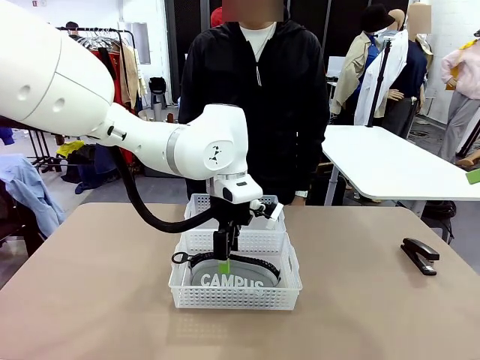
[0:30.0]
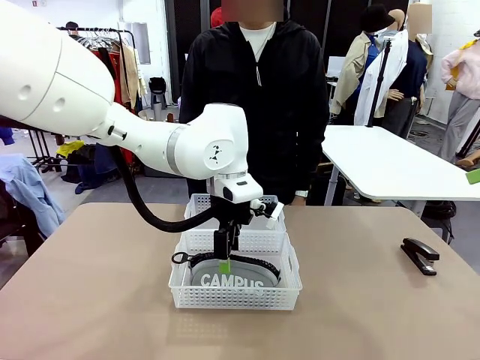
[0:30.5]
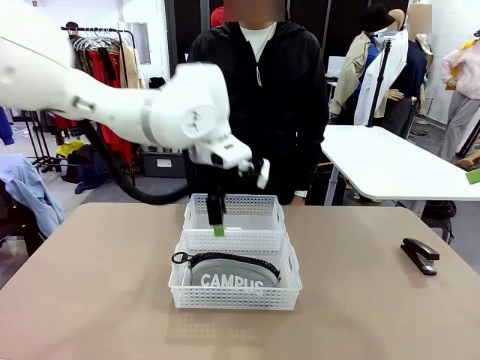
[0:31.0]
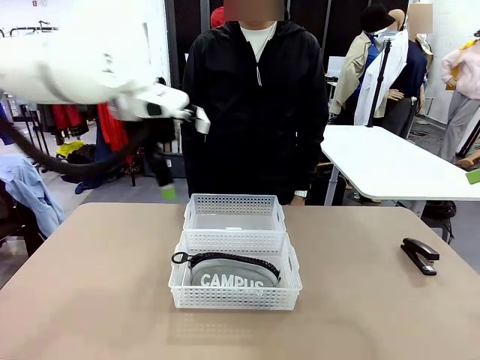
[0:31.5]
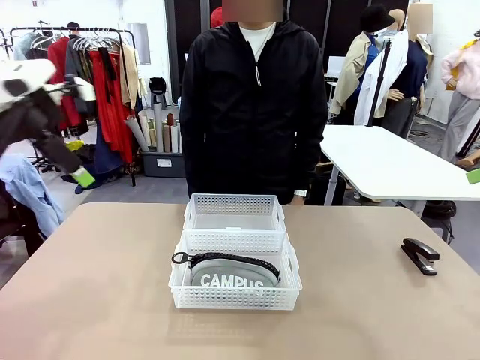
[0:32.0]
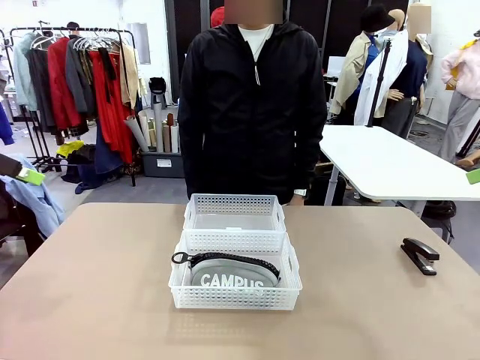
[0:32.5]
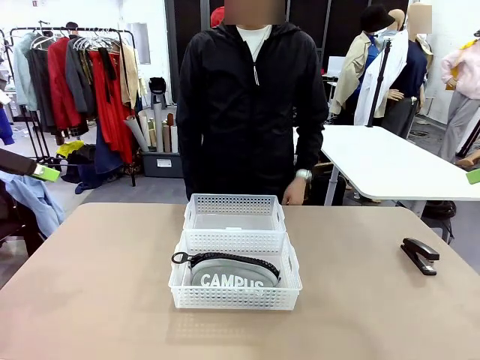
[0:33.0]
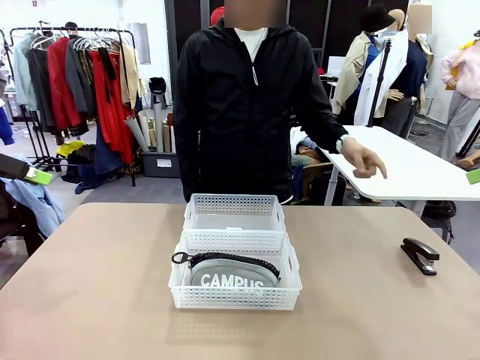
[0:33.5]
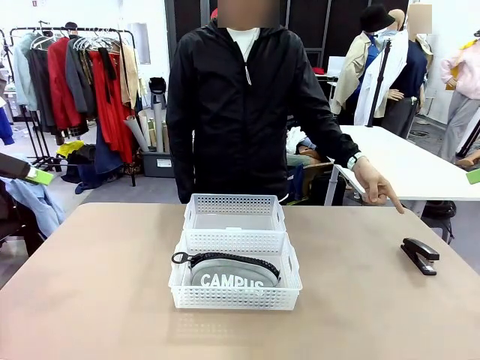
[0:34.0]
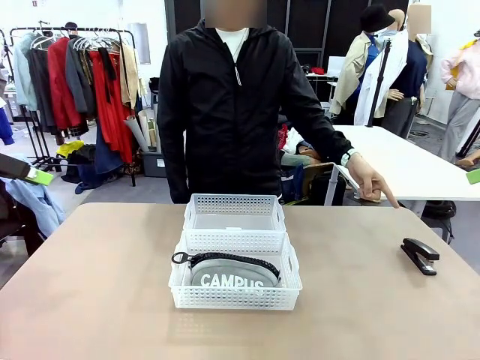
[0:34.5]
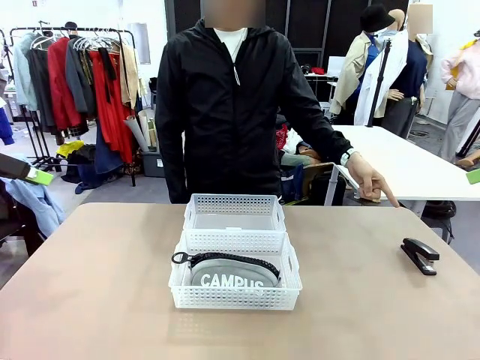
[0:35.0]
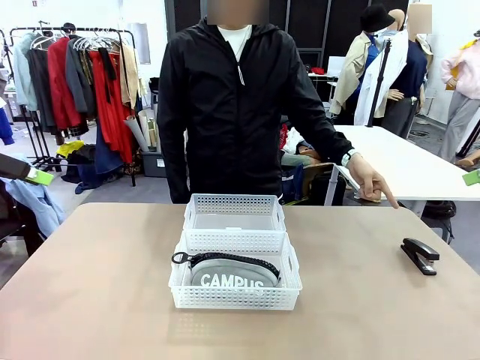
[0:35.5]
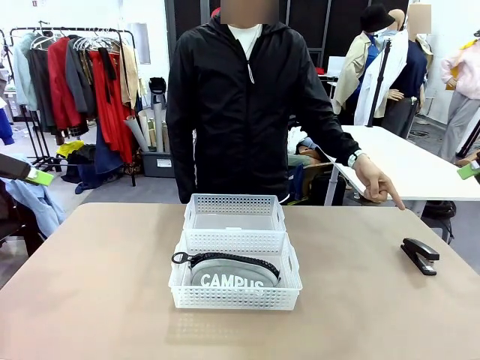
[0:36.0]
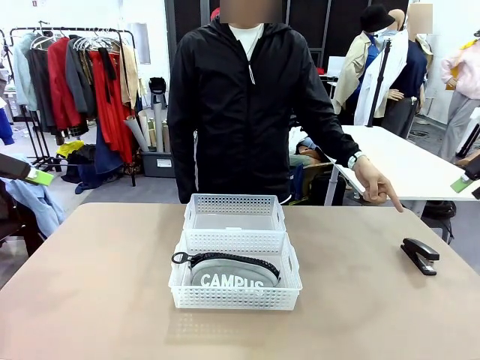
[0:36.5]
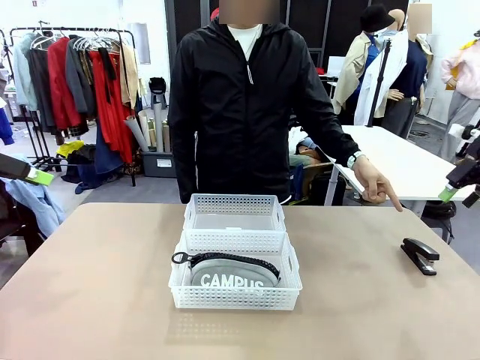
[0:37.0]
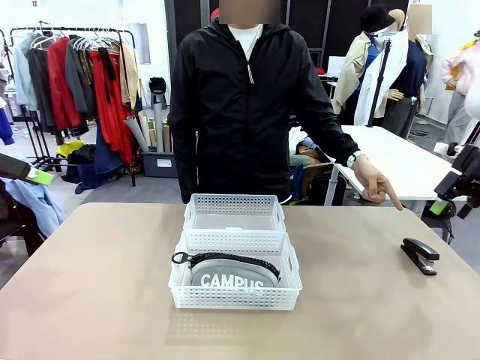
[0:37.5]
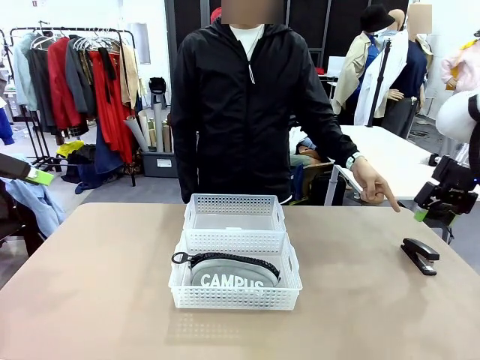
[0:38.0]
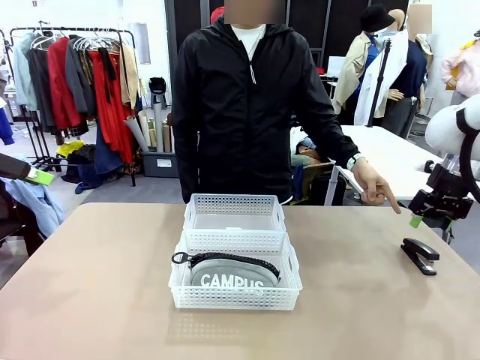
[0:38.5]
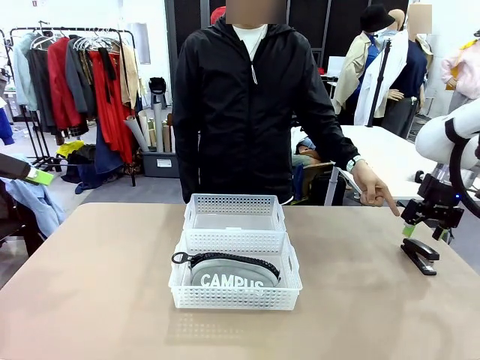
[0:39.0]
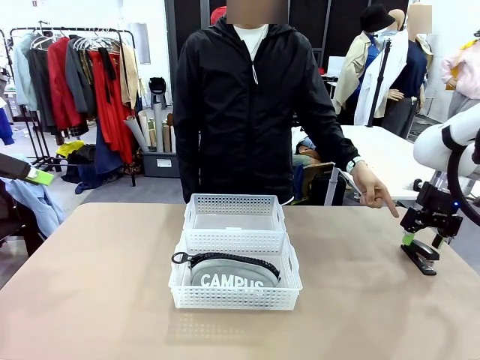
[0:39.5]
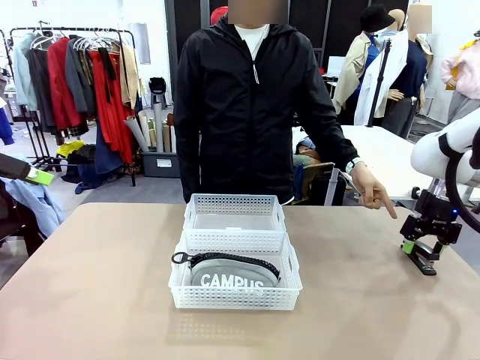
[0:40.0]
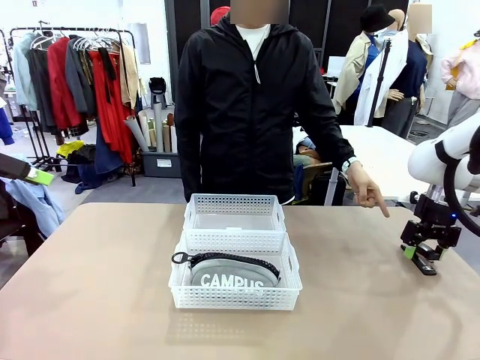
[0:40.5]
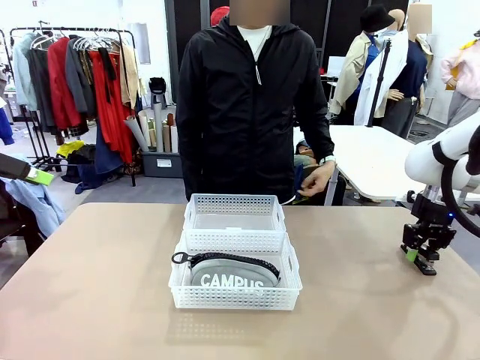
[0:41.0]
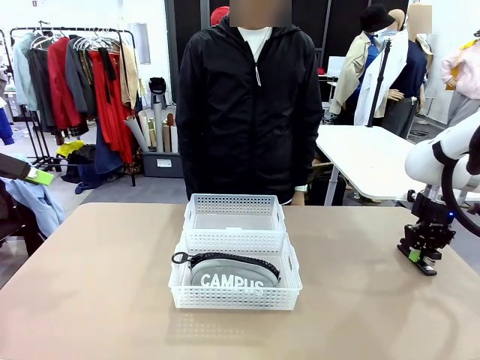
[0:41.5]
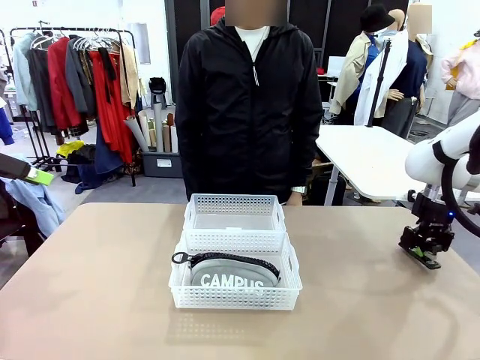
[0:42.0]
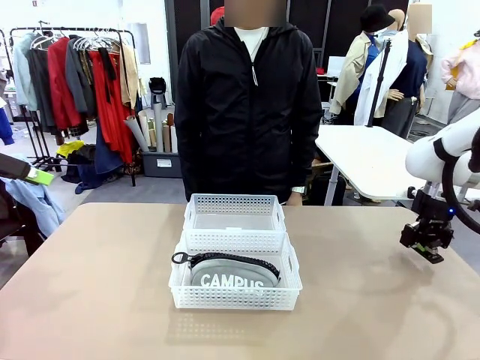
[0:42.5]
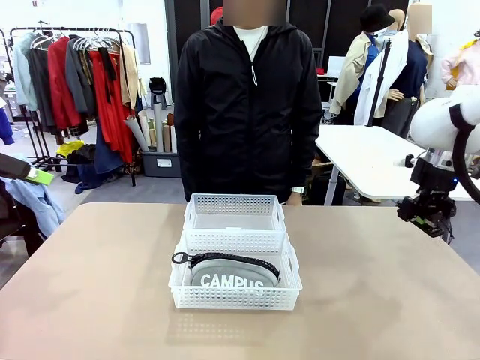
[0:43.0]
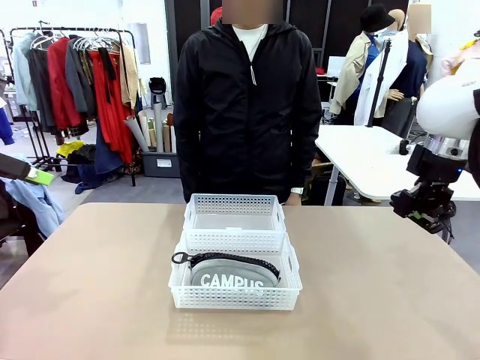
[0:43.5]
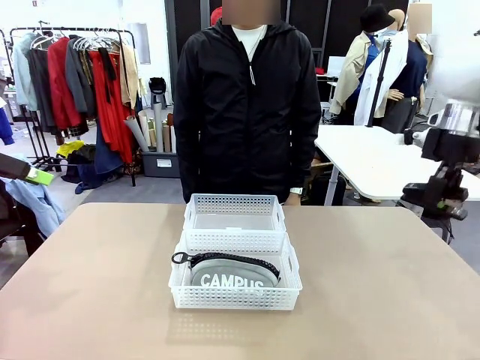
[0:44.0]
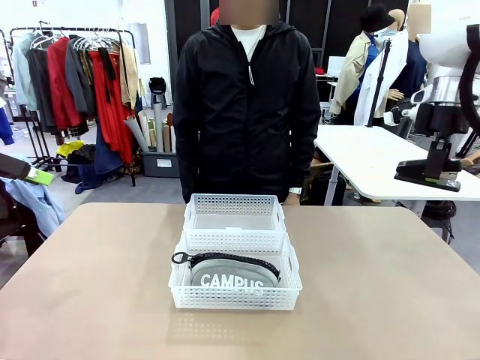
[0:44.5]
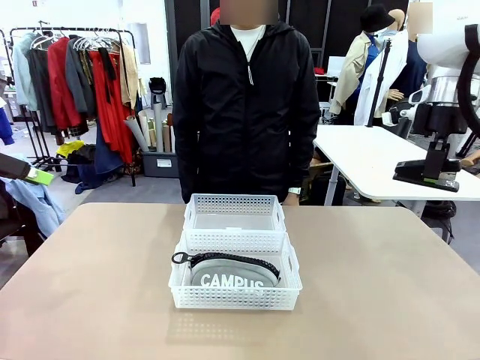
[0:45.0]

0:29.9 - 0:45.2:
Task: Distribute items into two baskets.
Robot: Pick up the Stapler that the person points to.

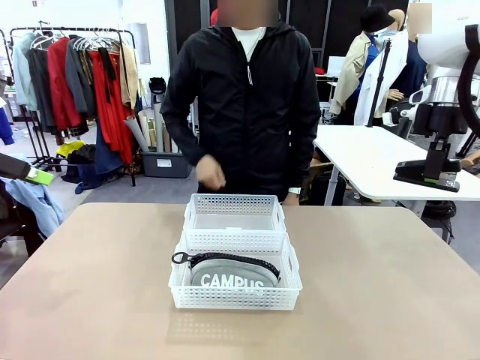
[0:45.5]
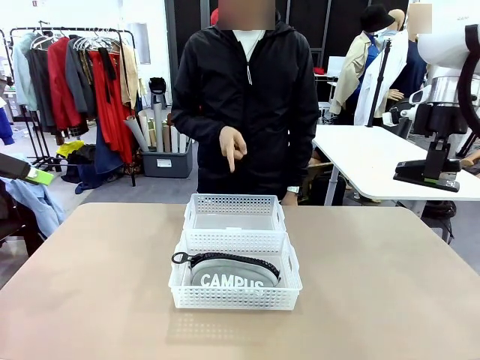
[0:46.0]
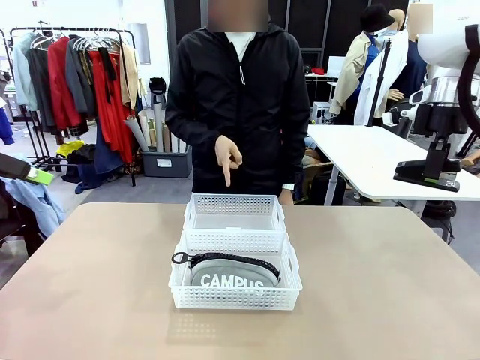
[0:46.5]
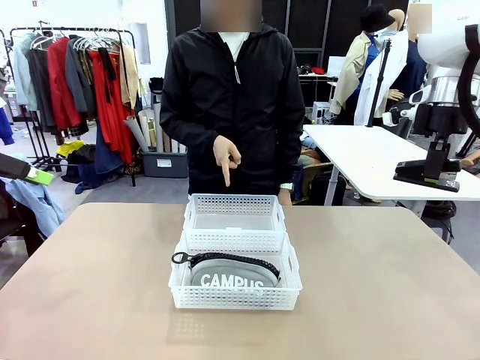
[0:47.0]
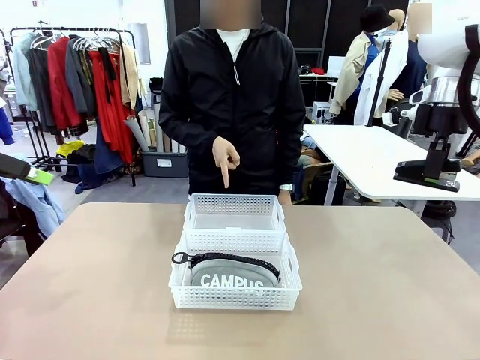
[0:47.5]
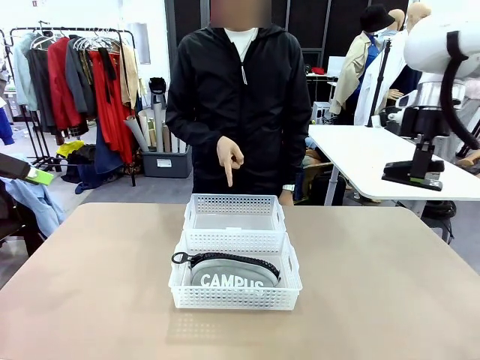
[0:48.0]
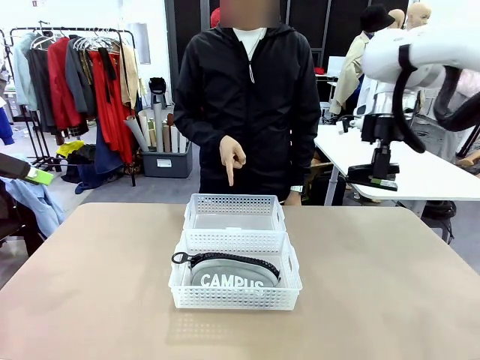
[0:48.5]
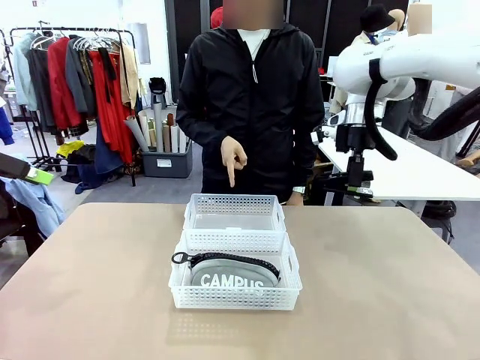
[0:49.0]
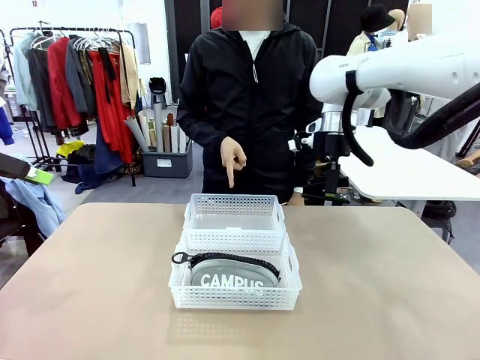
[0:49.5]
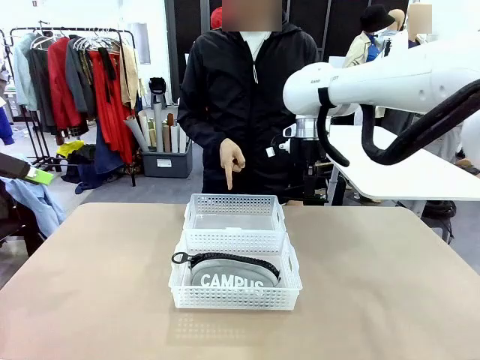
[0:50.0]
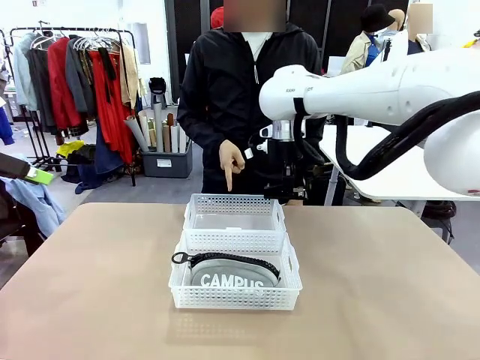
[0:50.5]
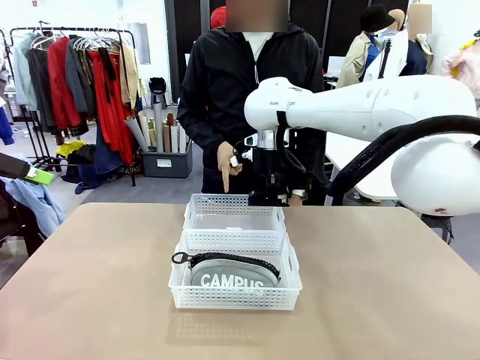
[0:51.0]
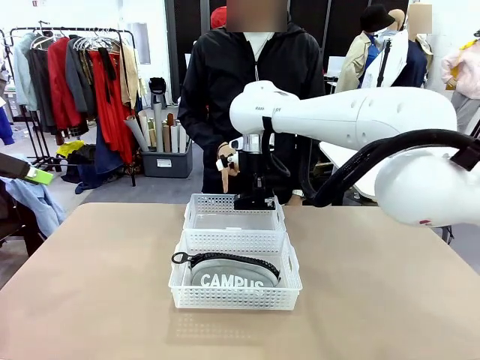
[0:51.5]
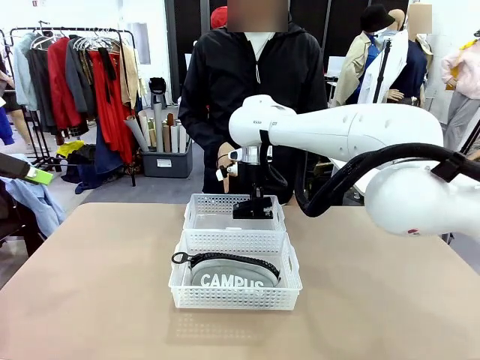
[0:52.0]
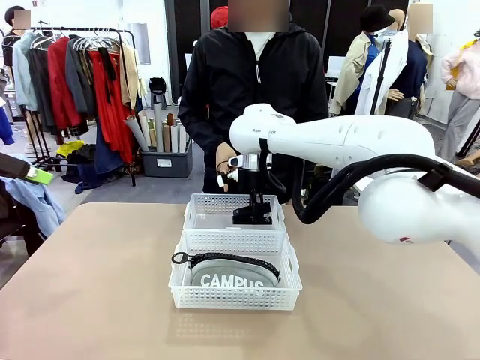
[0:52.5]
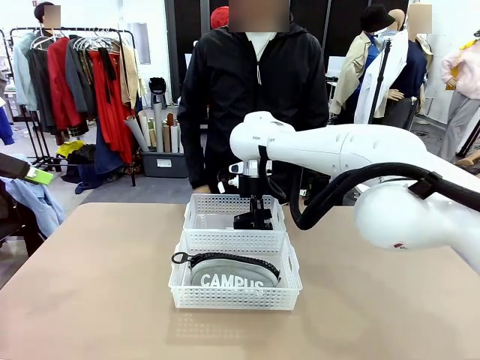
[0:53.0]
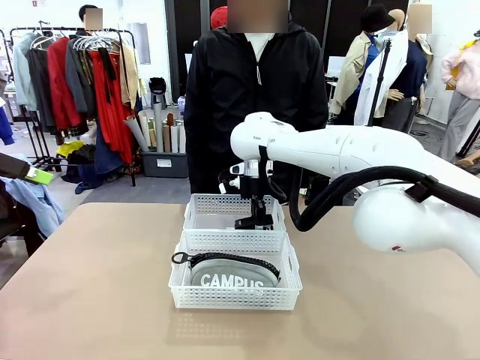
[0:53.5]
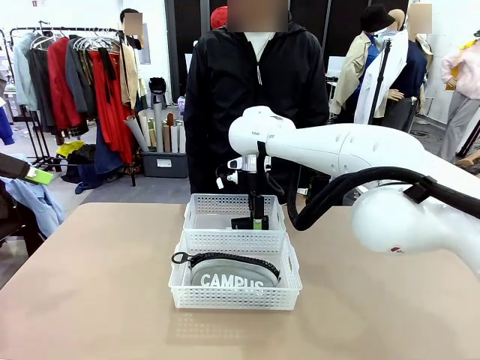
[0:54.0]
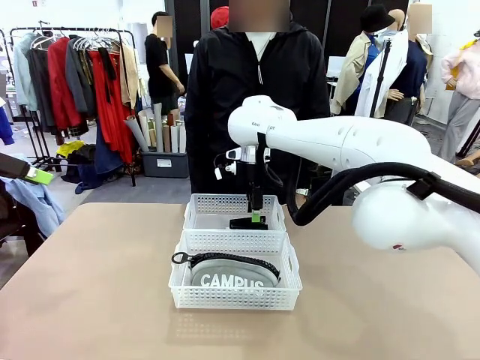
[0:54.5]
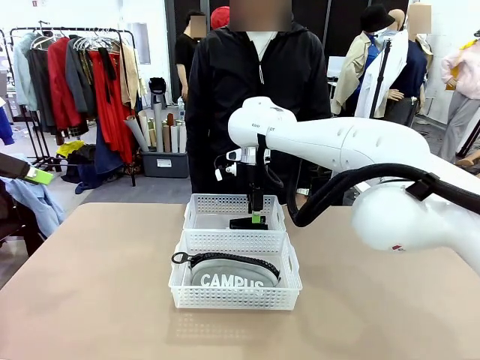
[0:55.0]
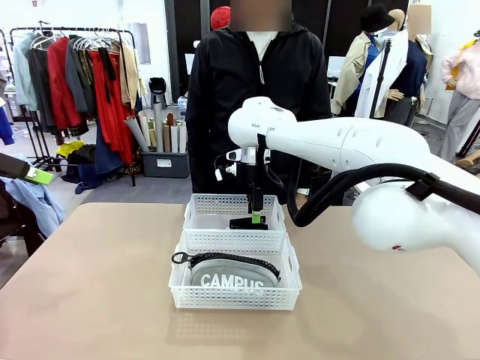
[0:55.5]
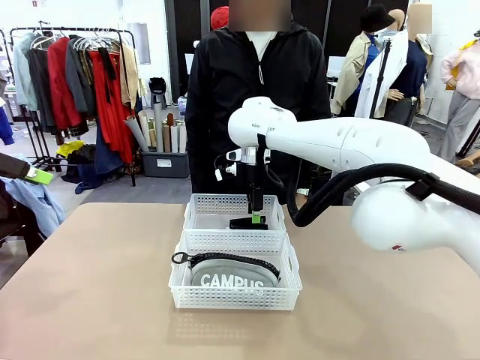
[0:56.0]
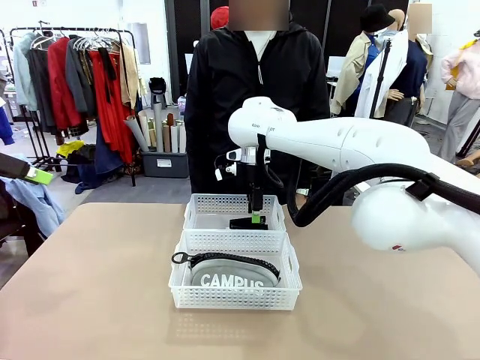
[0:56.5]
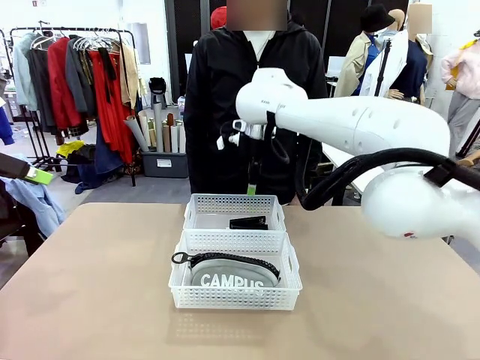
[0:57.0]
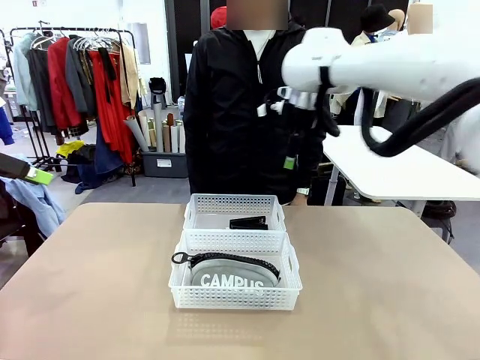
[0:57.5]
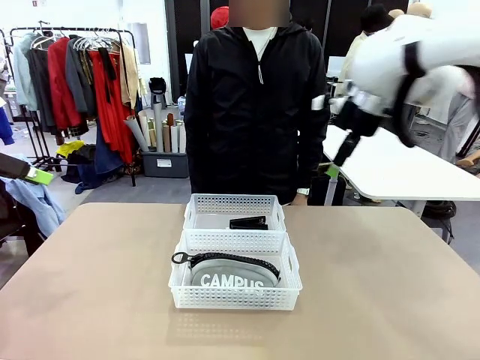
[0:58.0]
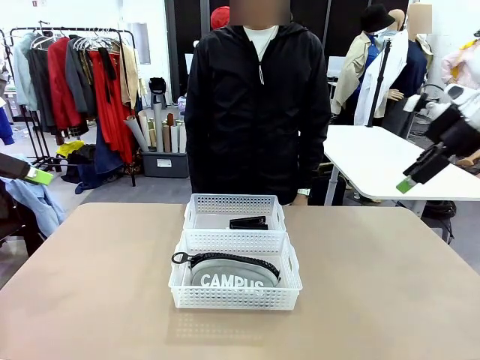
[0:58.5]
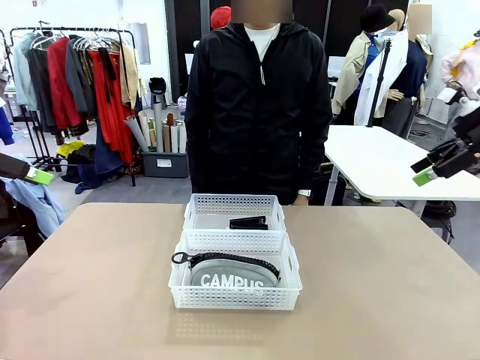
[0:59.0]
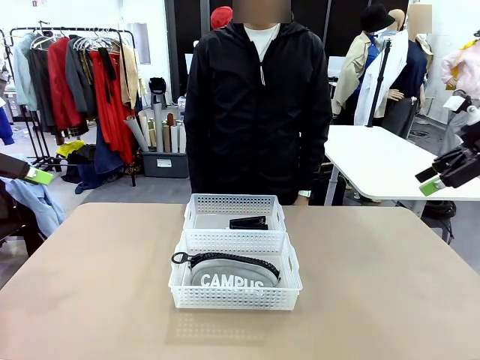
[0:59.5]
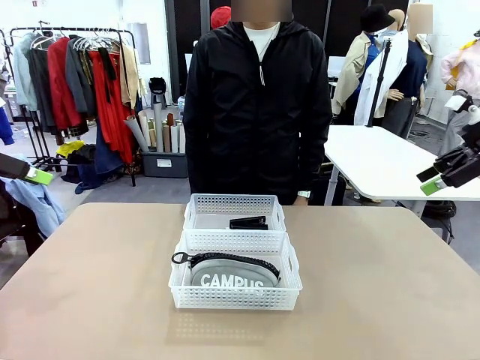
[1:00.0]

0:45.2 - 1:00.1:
Robot: Place the picked Stapler into the Organizing basket as instructed by the person.
Person: Points to the basket that does not contain the pencil case and instructs the robot to move the stapler there.
